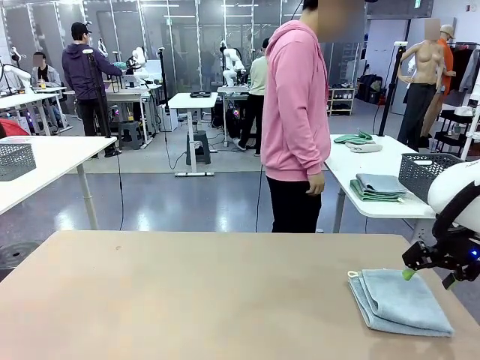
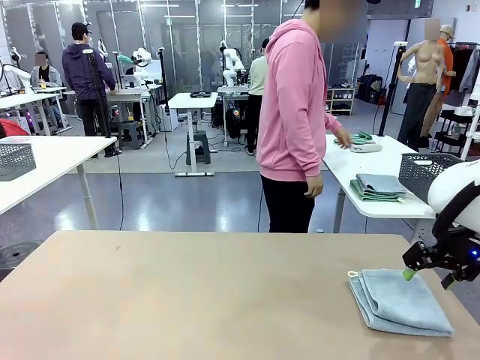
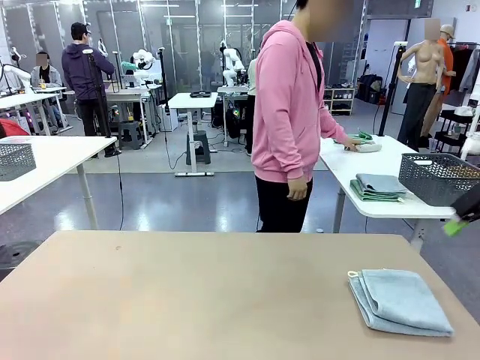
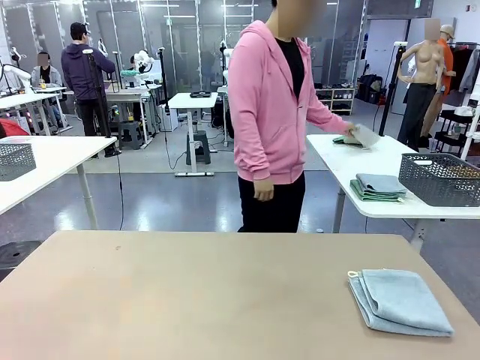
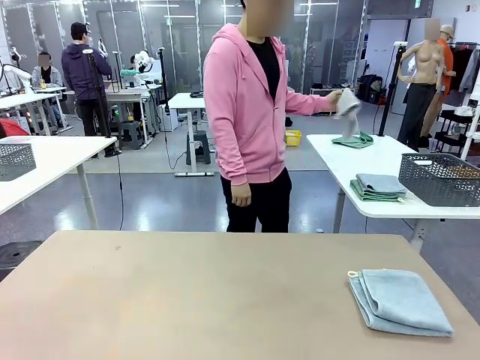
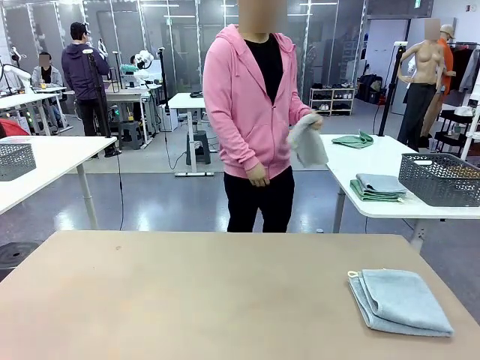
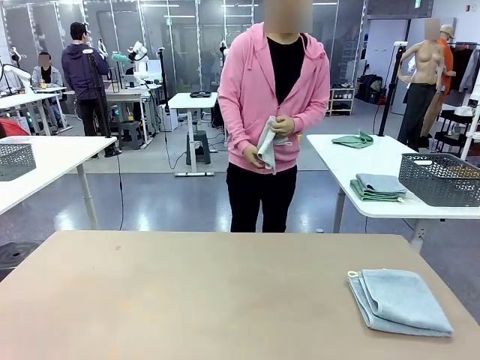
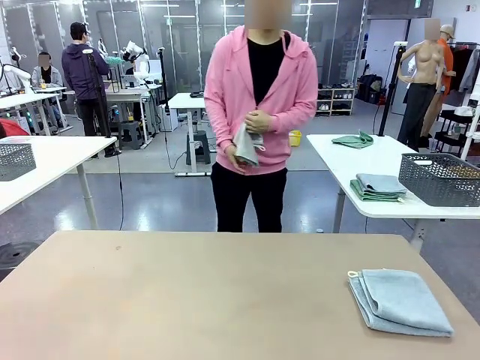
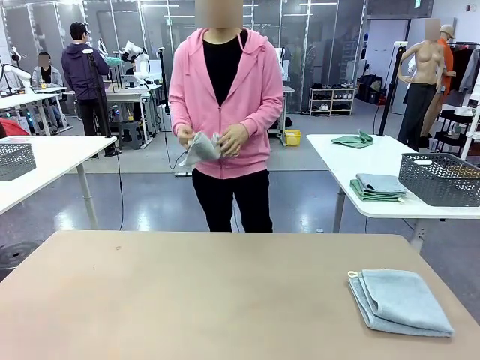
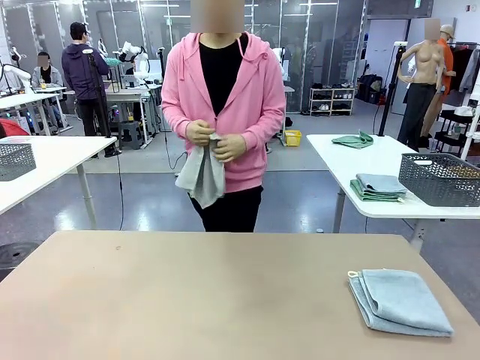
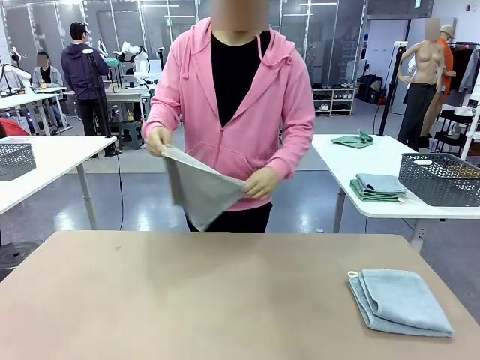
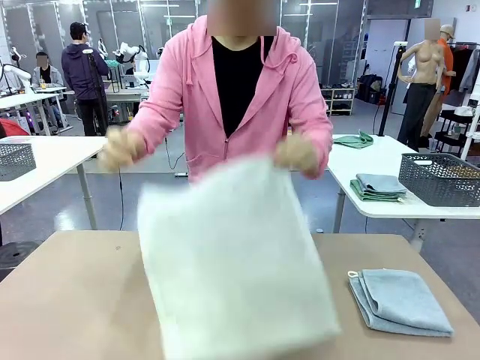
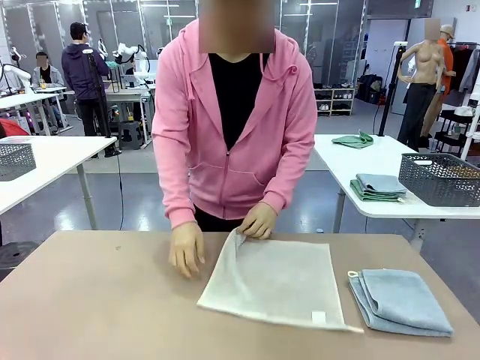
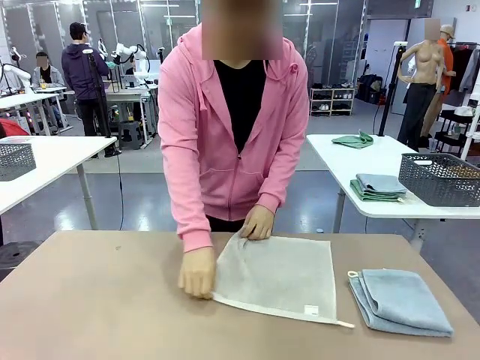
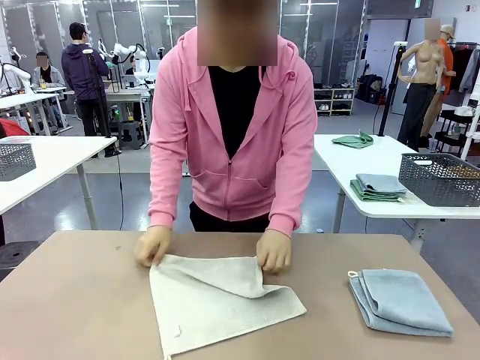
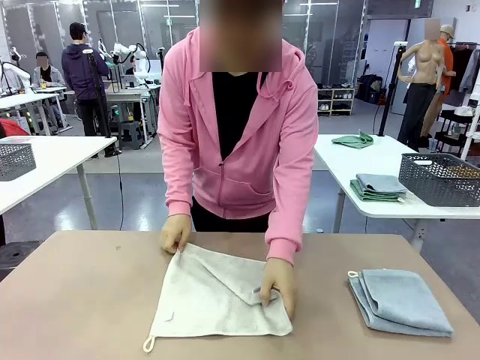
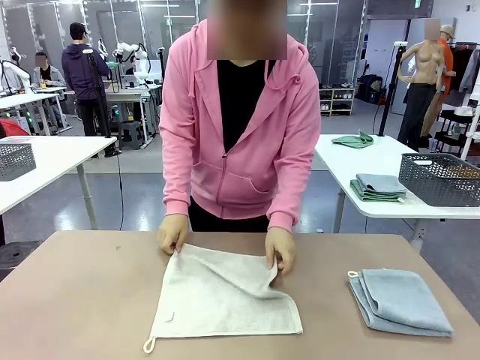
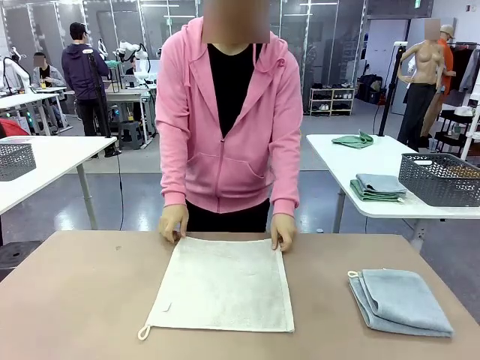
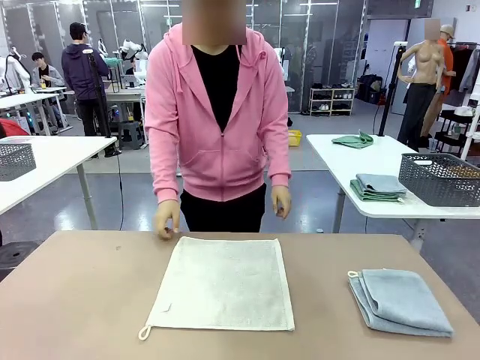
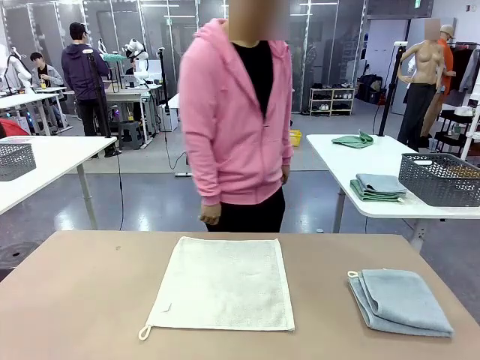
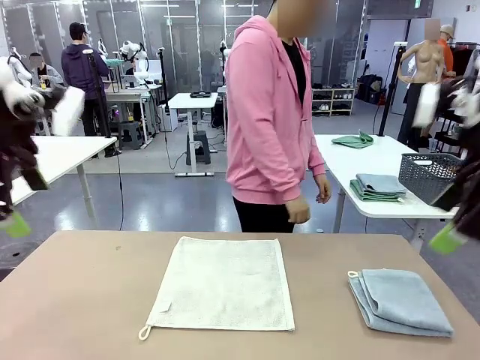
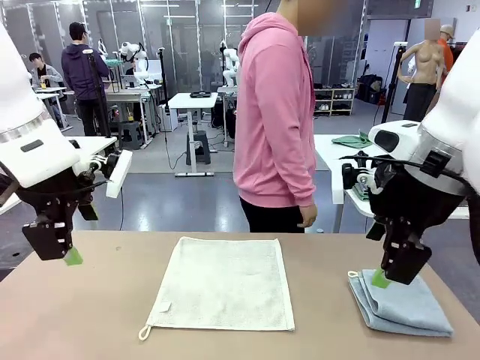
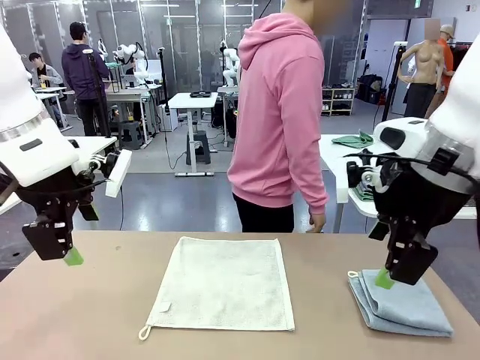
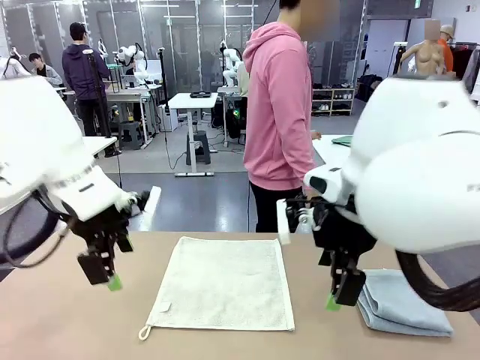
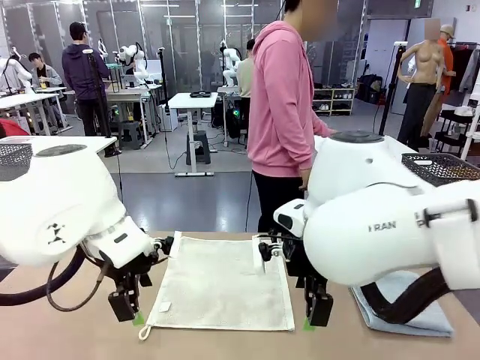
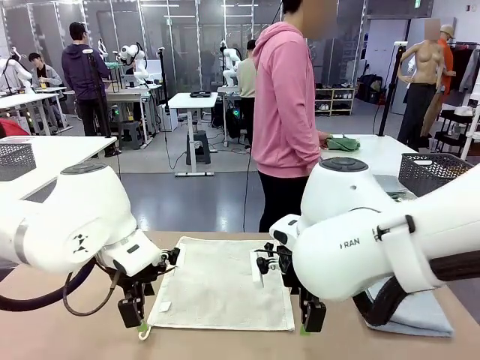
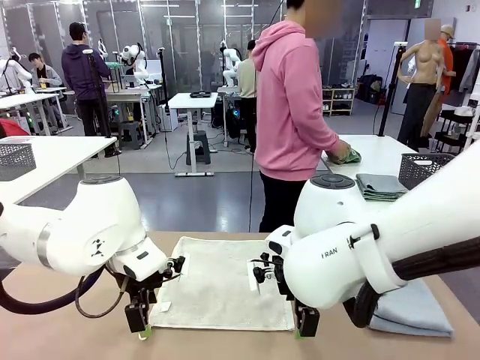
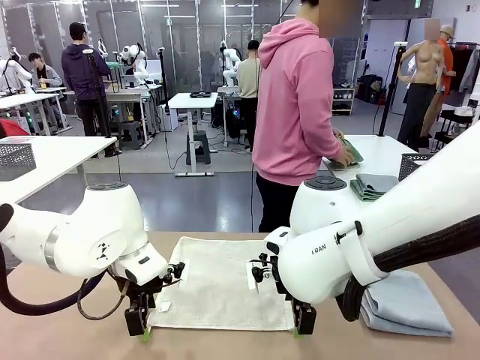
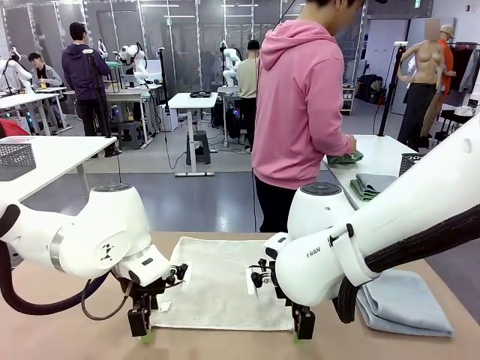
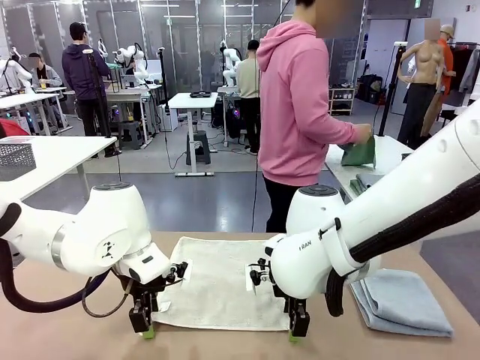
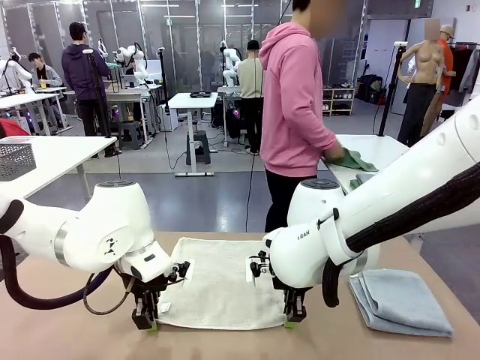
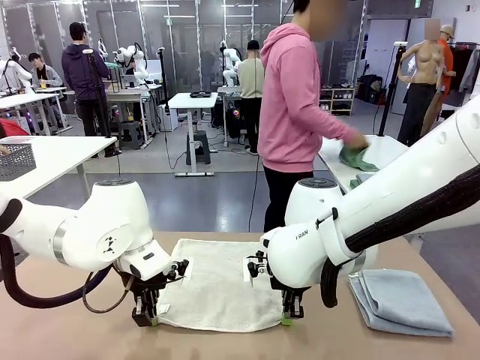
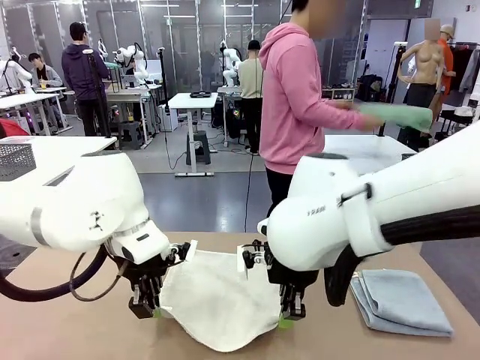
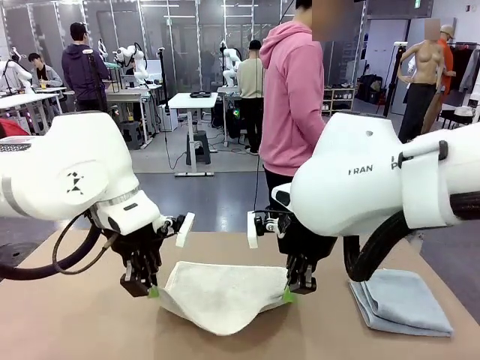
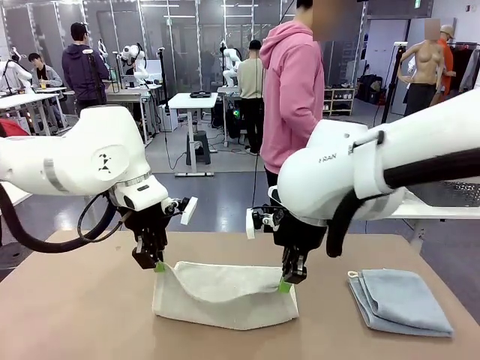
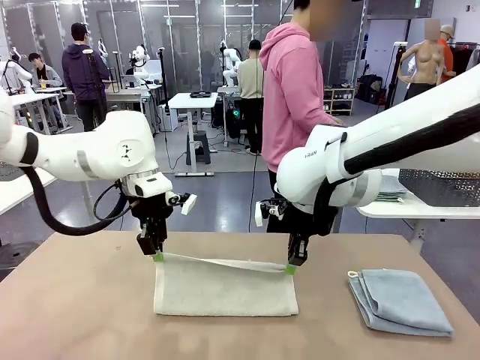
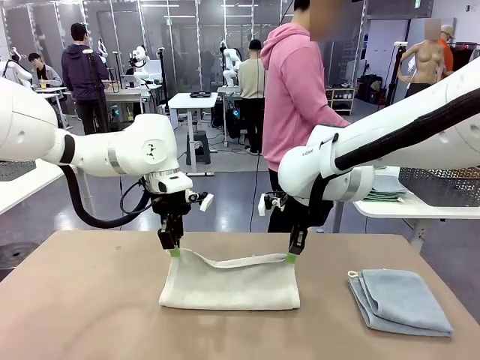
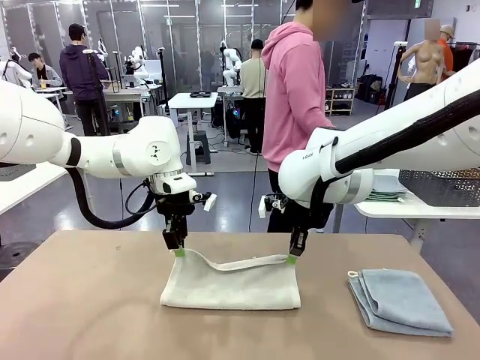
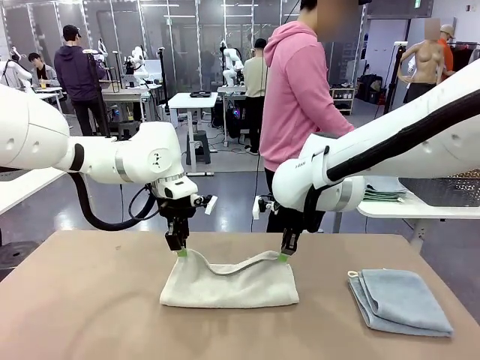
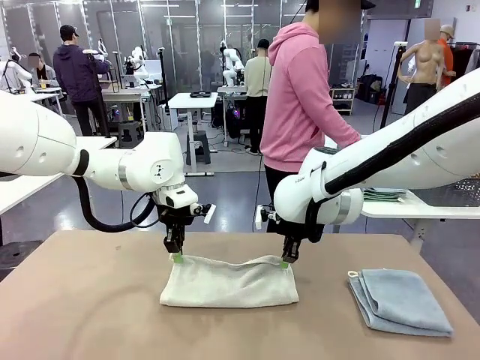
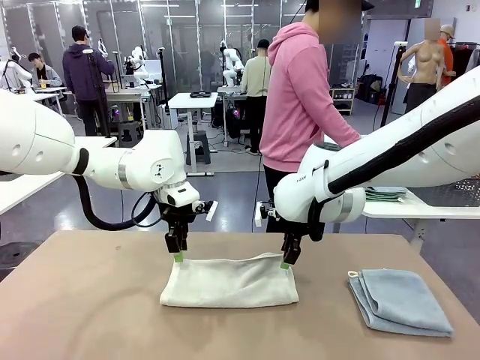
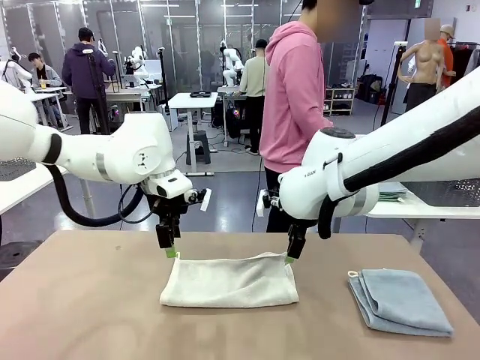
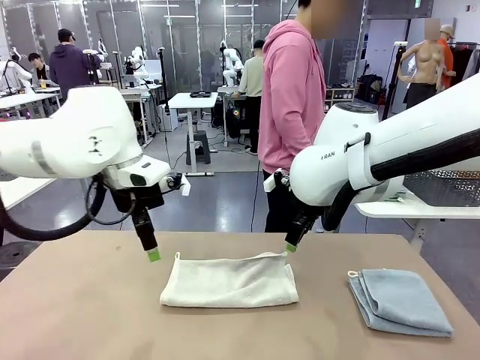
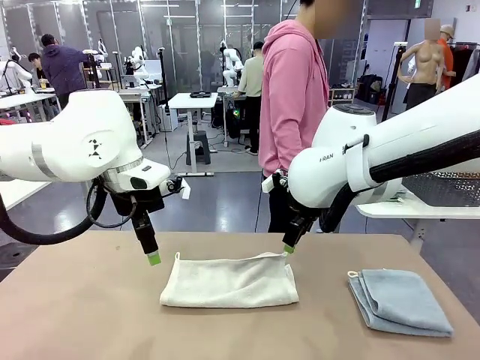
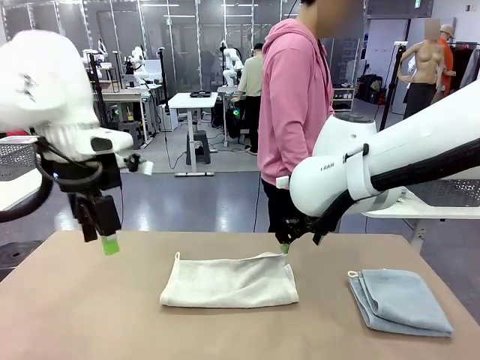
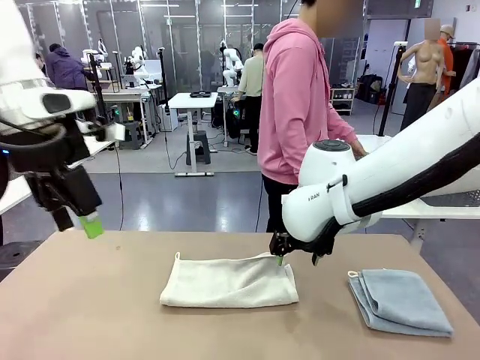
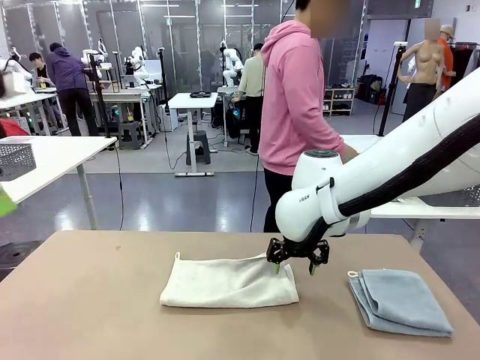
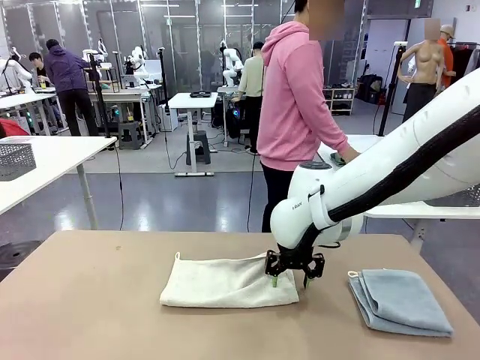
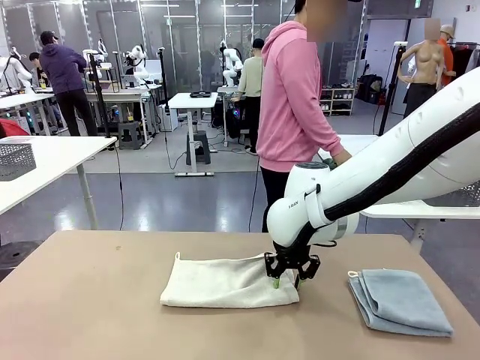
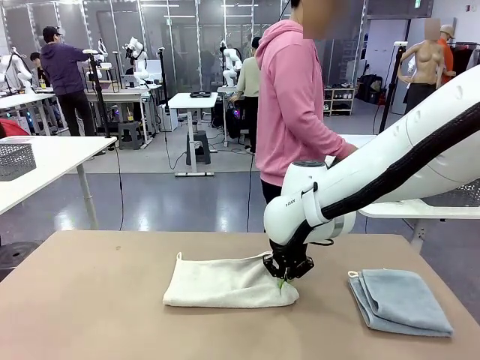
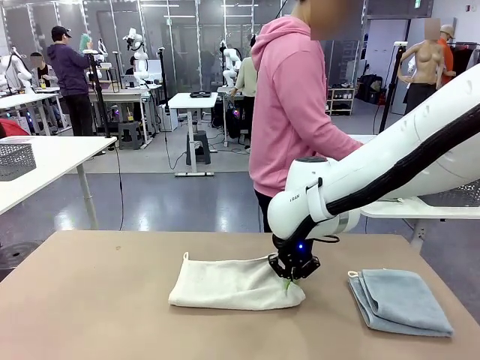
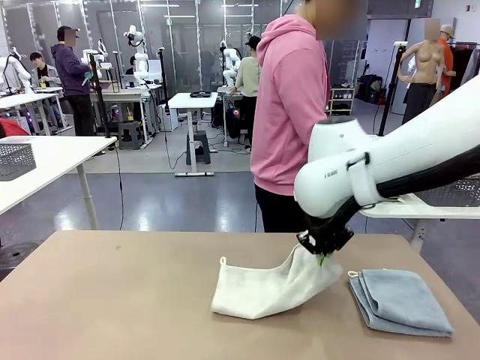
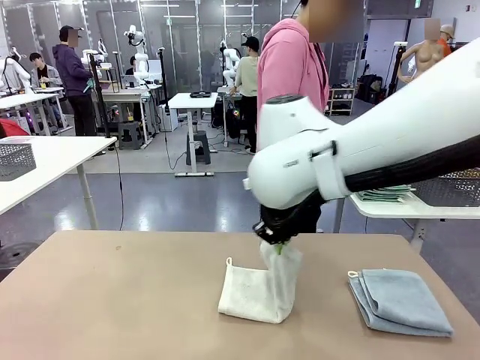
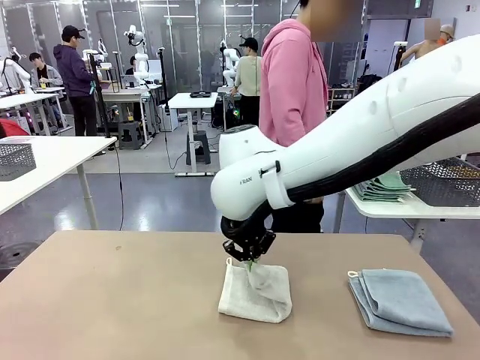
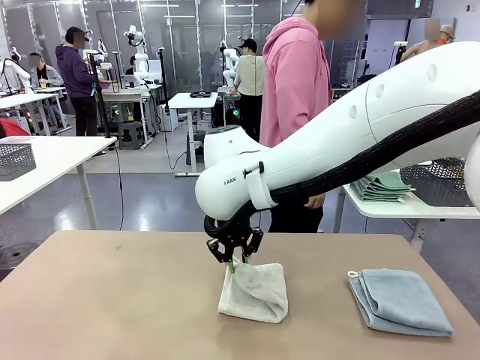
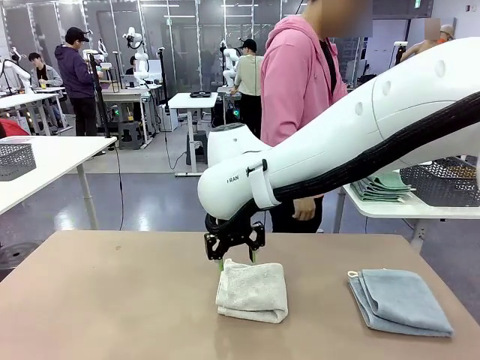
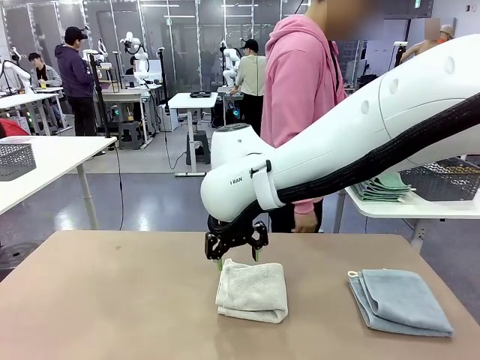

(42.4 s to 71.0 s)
Task: Fold the towels and place them in the basket.
Robot: When a person lays out a Towel with hook on the table, fold it in half twice.
Person: Pick up one towel from the left side of the human table and spread it out at the center of the robot table. Pick up one towel from the left side of the human table, fold it in half twice, and stack it on the right side of the table.
